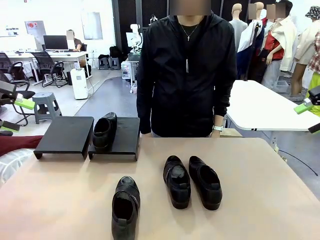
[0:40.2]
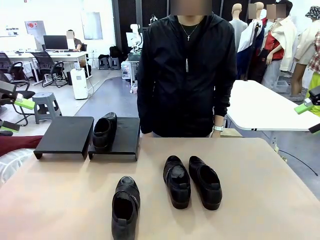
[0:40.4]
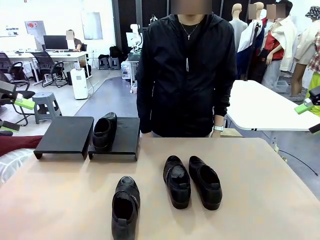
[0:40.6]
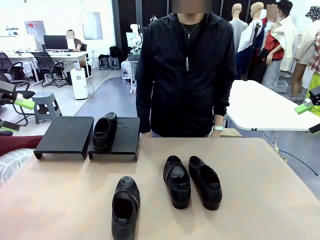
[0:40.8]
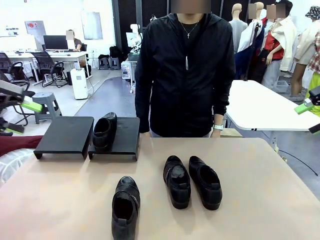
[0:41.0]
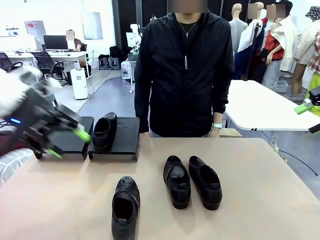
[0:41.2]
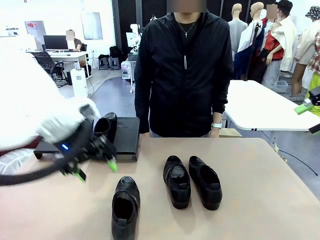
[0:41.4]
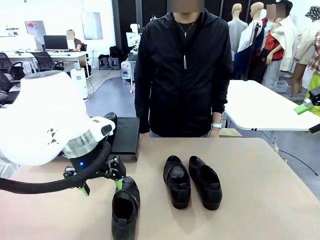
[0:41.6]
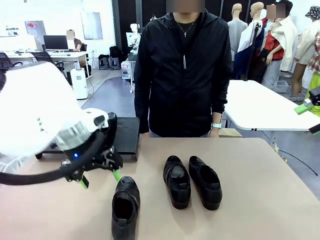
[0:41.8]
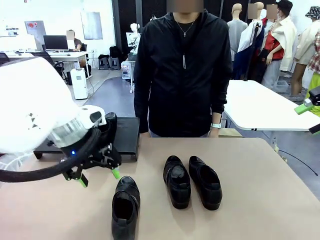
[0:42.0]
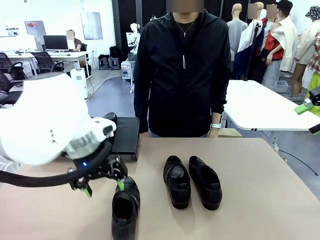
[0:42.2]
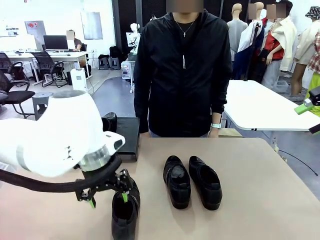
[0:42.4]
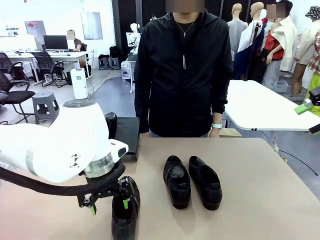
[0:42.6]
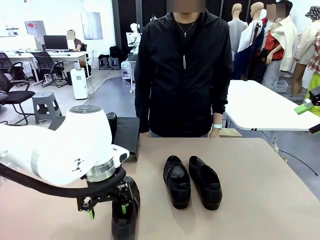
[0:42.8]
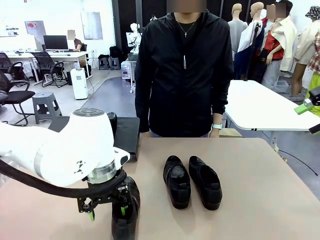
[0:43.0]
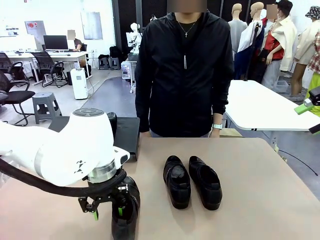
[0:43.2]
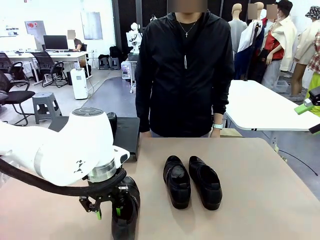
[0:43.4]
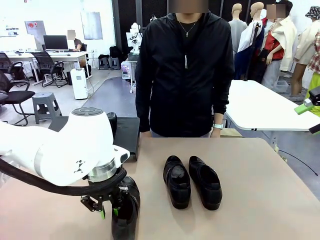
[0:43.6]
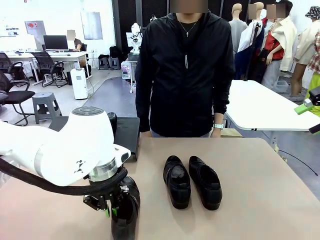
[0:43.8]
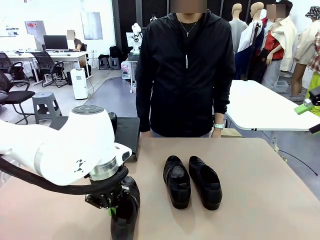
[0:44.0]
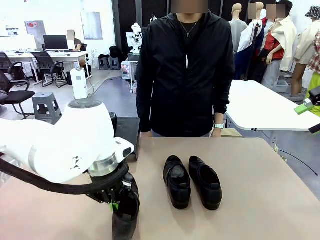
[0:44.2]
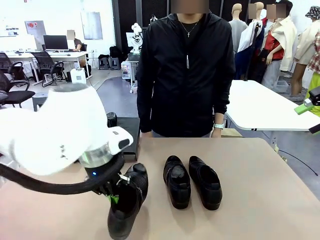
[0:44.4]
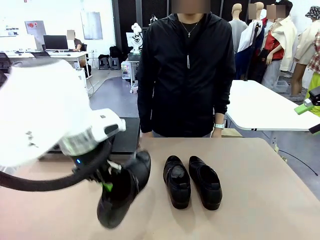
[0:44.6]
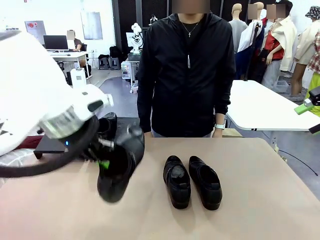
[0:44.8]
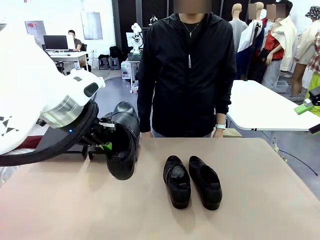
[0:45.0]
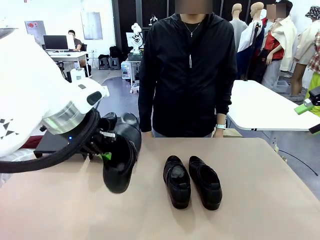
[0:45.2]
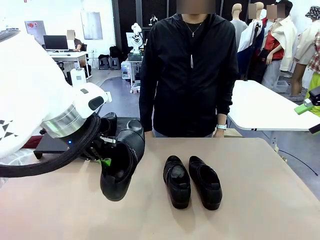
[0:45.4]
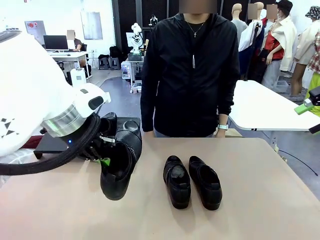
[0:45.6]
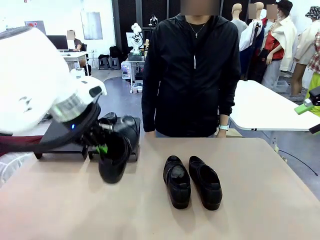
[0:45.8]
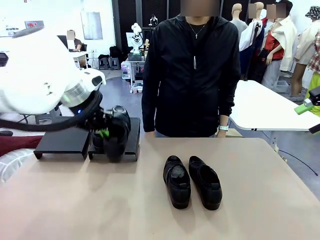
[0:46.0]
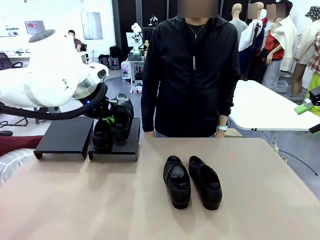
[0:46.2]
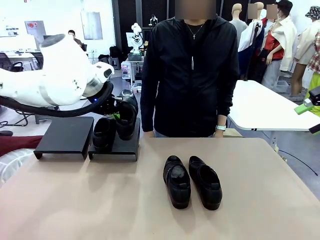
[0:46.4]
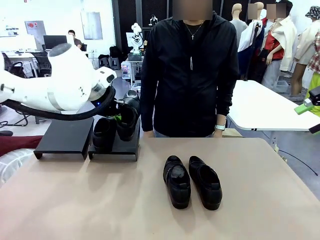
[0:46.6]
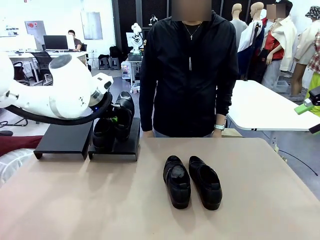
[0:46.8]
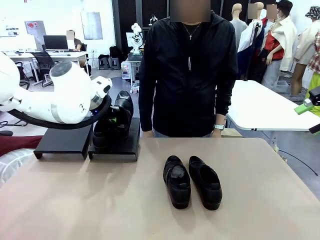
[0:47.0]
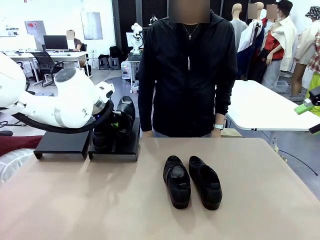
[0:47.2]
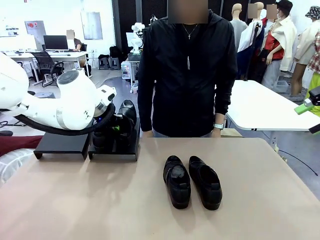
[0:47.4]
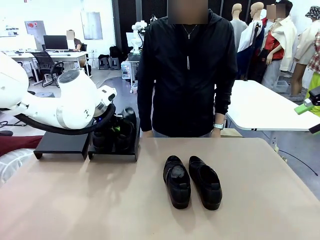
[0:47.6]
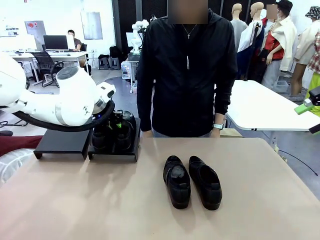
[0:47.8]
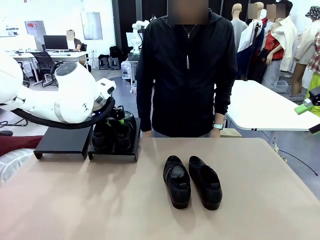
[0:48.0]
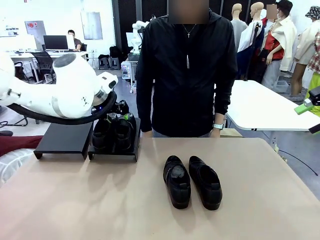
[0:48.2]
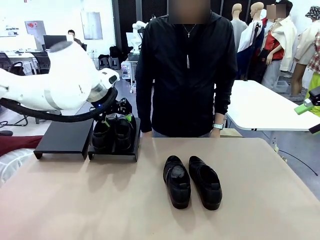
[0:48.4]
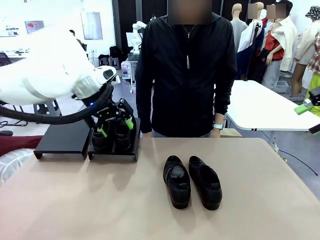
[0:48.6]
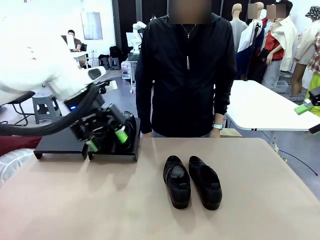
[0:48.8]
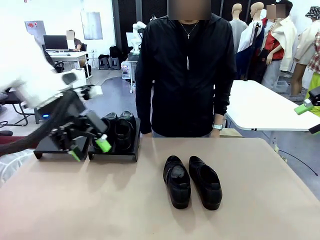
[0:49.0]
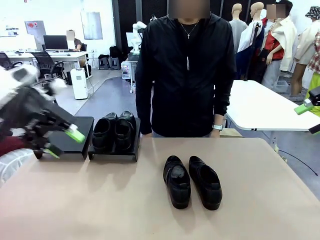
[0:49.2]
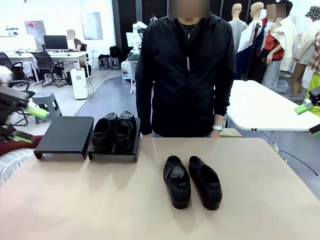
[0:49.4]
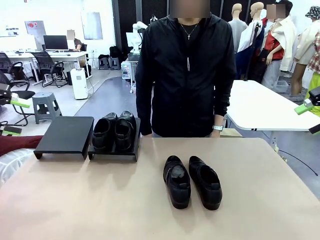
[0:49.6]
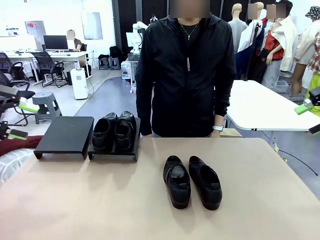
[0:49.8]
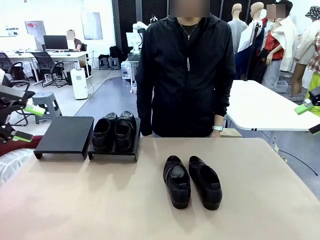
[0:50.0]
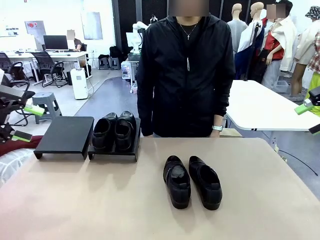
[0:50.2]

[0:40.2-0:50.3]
Task: Organize the shoes by placing them on the stand.
Robot: Place the Shoe from the middle of the table onto the Shoes Stand.

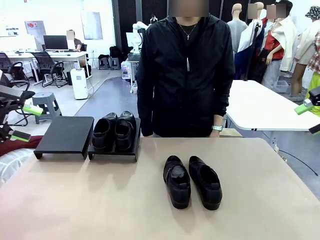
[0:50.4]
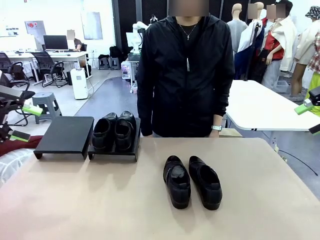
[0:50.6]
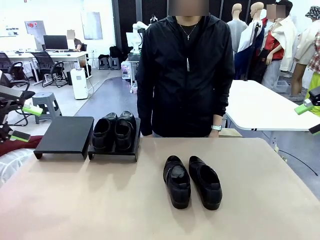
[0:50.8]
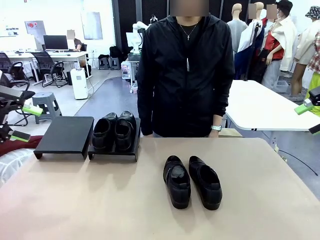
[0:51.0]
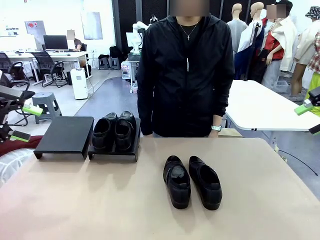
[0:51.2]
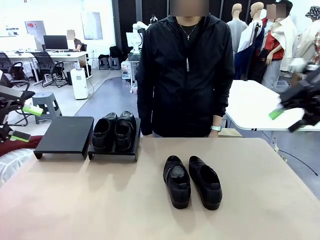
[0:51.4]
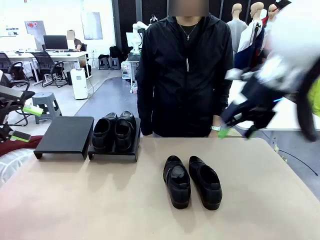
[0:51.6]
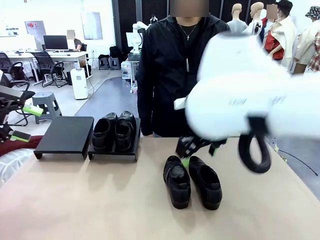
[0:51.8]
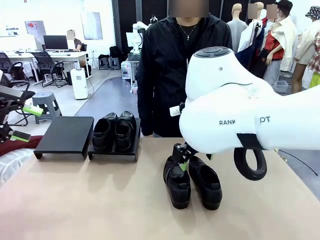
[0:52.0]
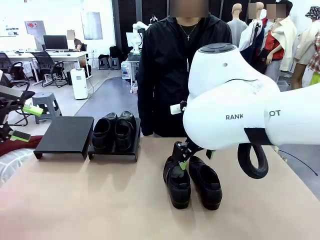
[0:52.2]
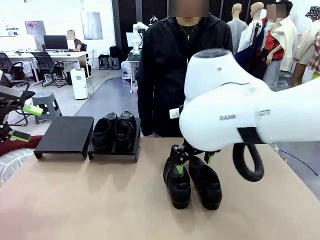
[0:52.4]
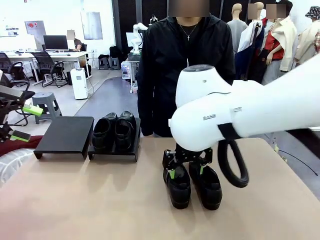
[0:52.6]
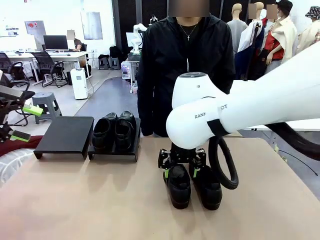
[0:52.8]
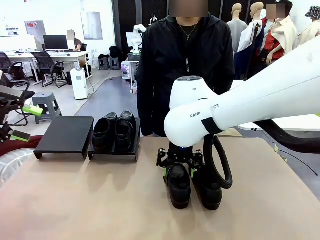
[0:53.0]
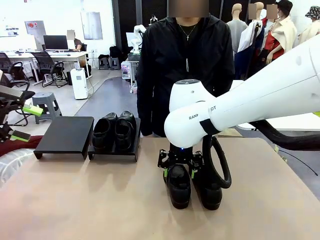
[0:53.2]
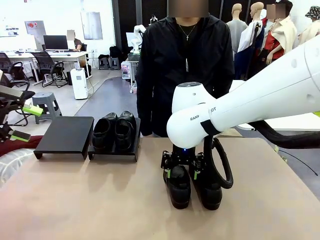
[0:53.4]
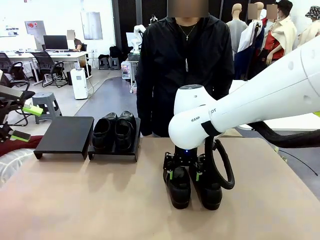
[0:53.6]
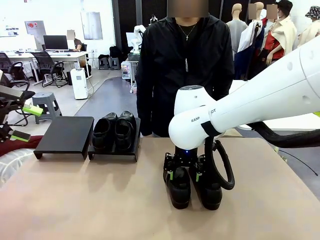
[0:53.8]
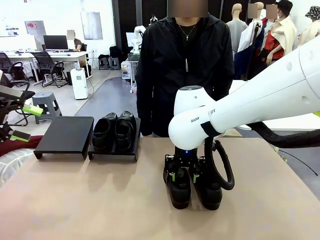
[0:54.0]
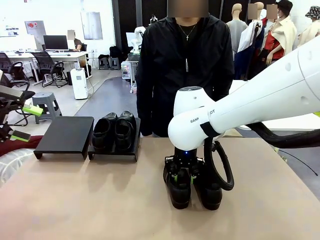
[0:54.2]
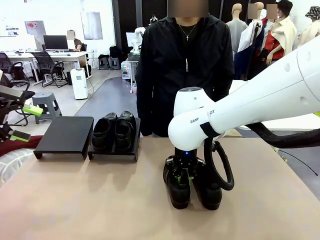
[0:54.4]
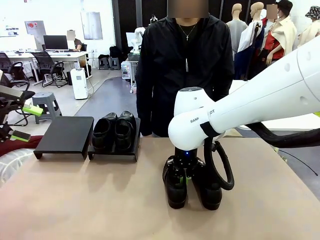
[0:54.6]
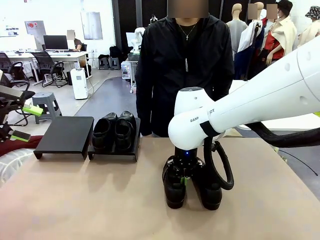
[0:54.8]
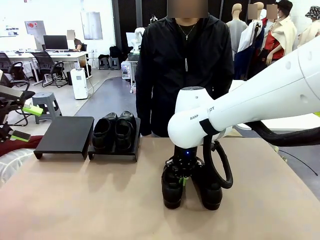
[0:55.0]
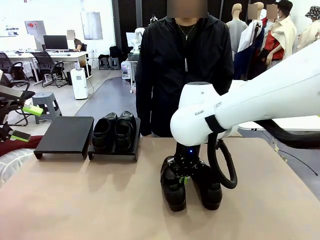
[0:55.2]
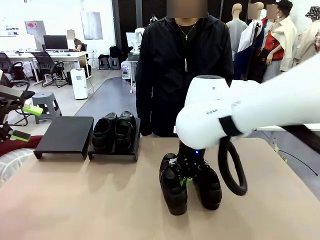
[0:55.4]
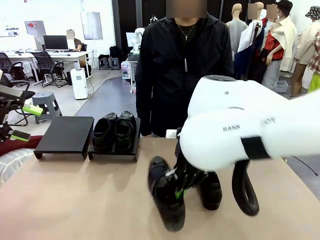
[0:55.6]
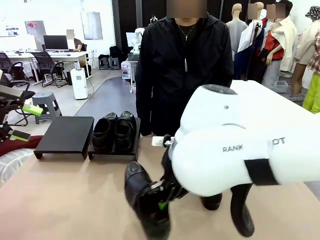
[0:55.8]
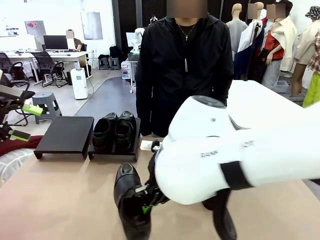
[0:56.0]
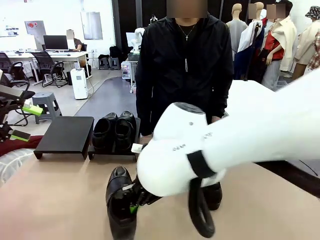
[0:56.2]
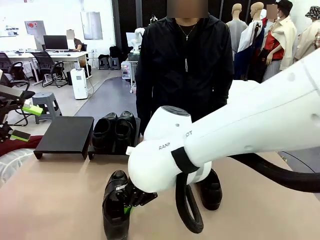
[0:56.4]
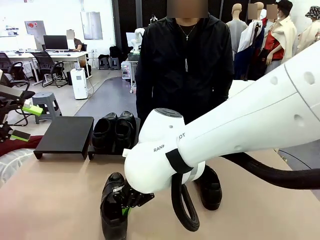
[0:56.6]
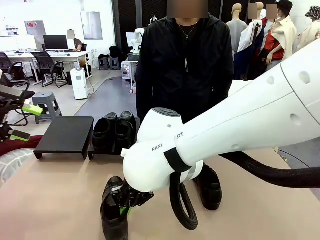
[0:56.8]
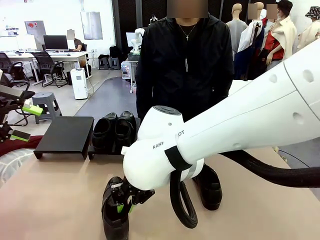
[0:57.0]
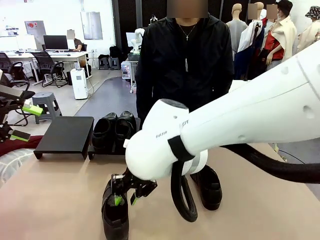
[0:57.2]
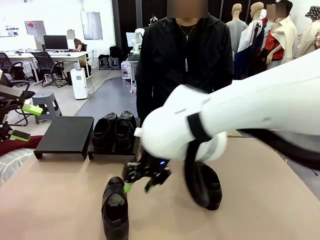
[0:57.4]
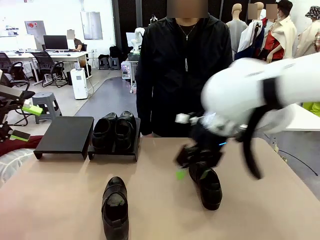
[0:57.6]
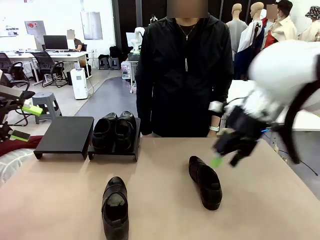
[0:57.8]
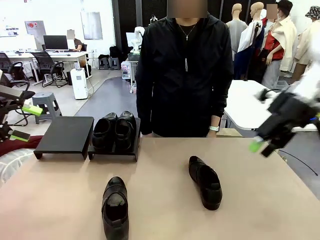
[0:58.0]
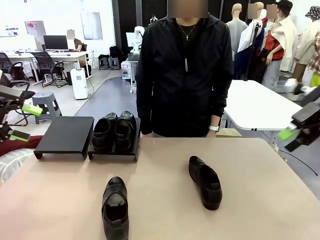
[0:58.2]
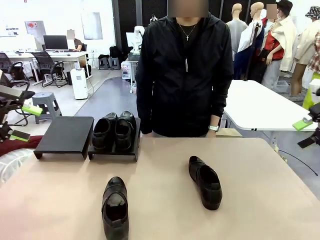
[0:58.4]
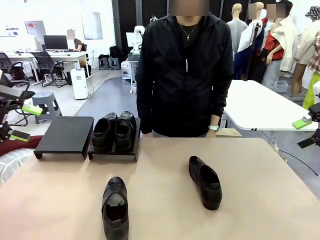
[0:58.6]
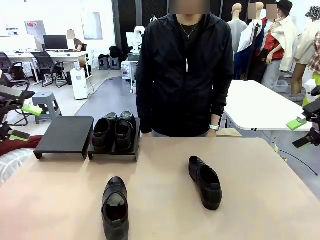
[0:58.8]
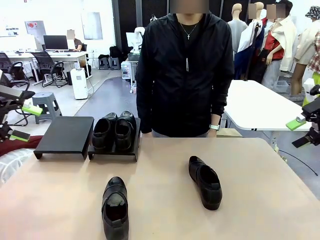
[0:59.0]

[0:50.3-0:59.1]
Robot: Pick up one Shoe and place it in the middle of the table.
